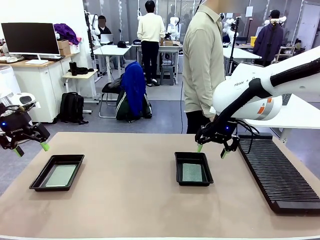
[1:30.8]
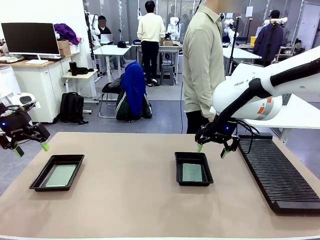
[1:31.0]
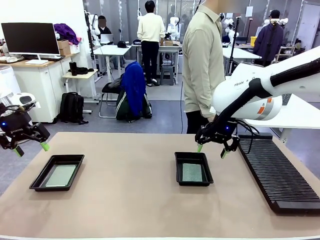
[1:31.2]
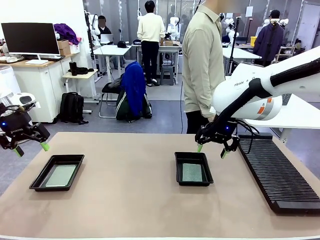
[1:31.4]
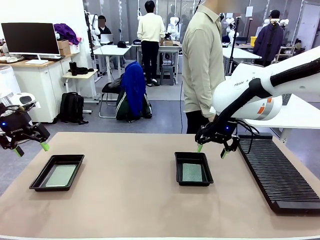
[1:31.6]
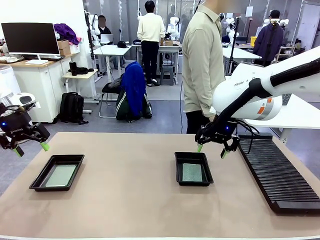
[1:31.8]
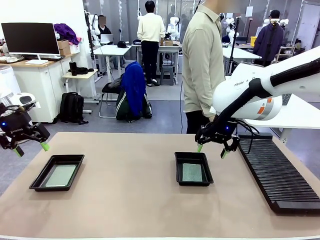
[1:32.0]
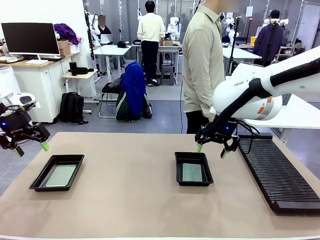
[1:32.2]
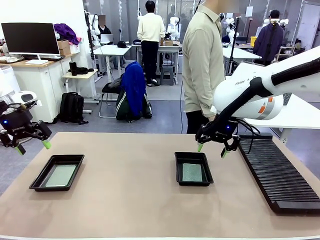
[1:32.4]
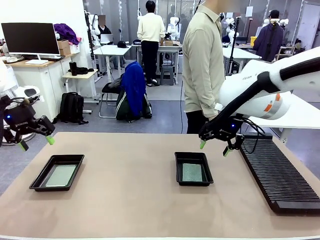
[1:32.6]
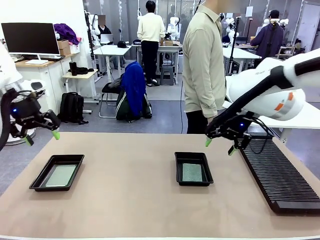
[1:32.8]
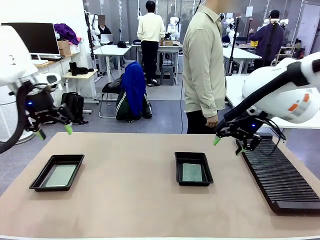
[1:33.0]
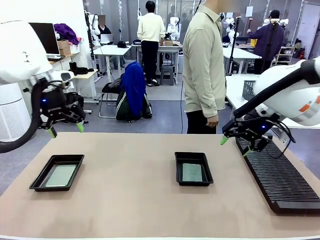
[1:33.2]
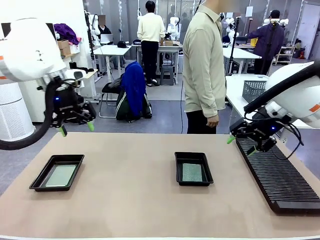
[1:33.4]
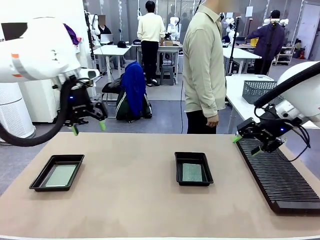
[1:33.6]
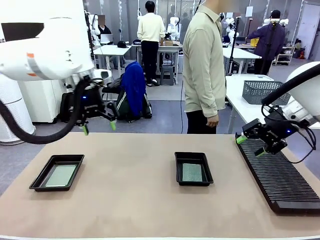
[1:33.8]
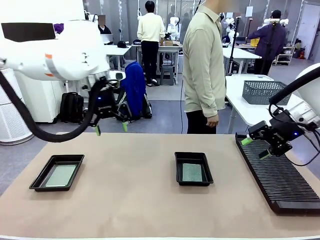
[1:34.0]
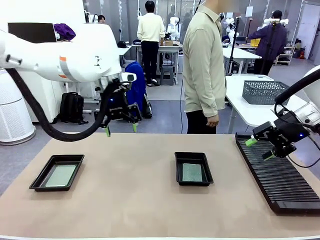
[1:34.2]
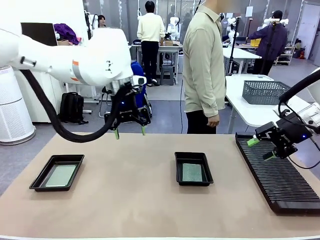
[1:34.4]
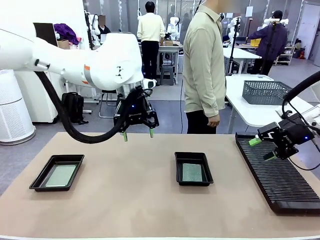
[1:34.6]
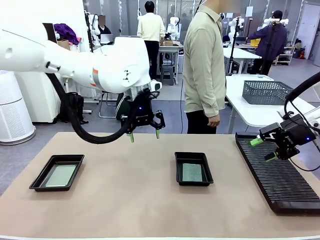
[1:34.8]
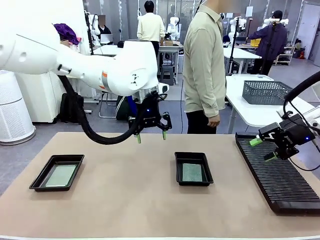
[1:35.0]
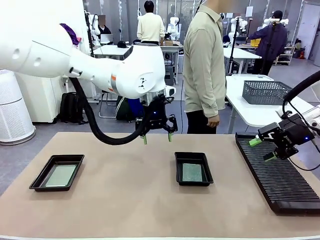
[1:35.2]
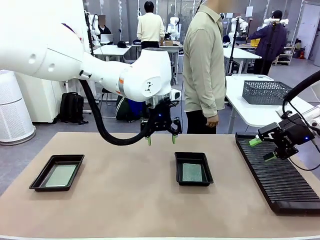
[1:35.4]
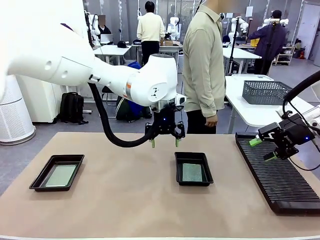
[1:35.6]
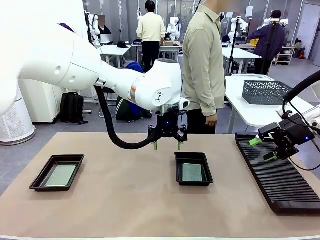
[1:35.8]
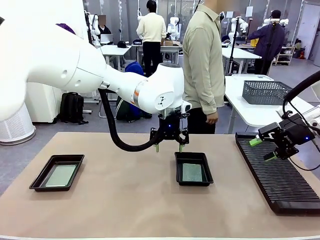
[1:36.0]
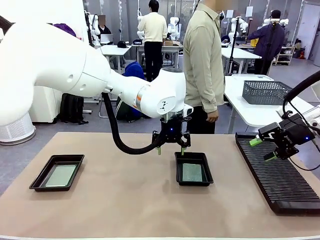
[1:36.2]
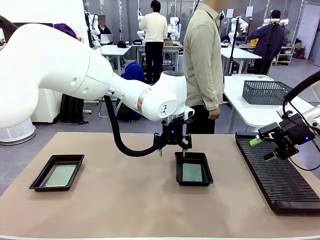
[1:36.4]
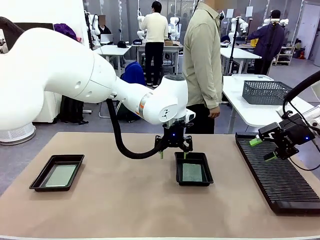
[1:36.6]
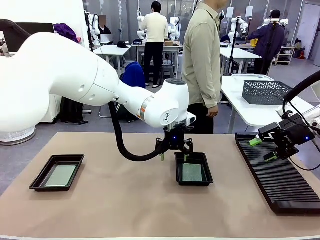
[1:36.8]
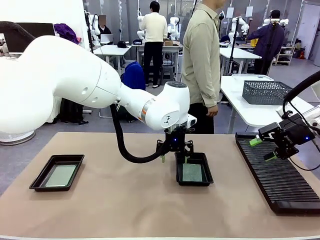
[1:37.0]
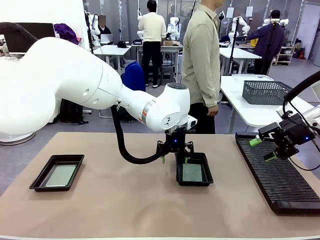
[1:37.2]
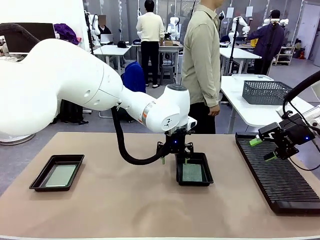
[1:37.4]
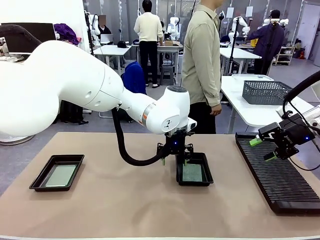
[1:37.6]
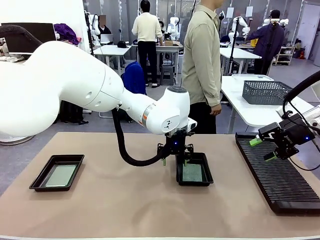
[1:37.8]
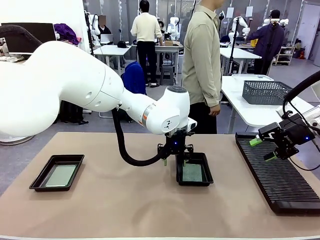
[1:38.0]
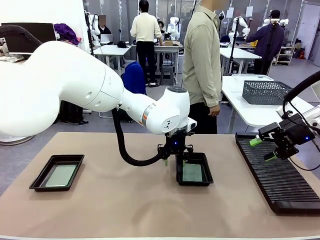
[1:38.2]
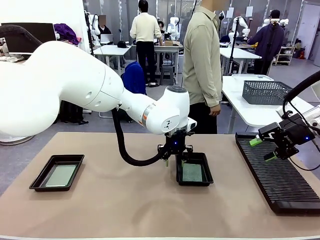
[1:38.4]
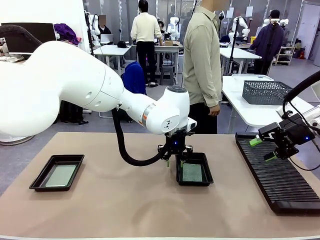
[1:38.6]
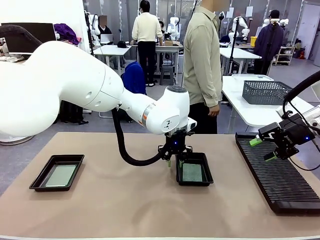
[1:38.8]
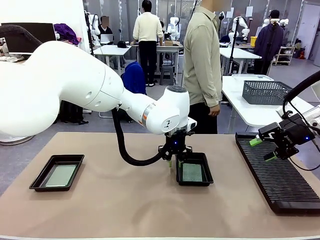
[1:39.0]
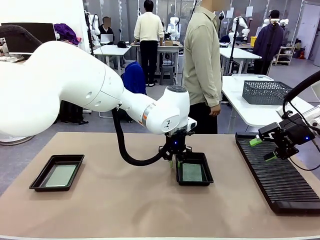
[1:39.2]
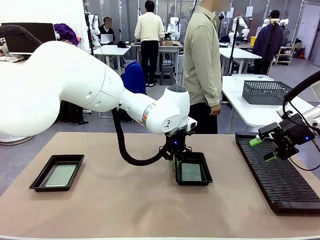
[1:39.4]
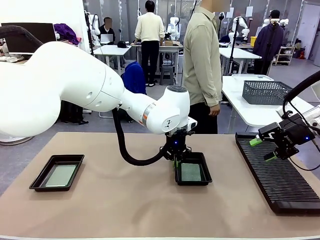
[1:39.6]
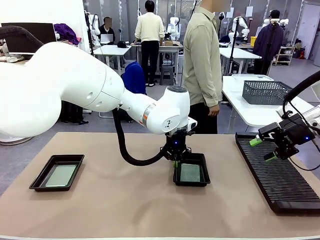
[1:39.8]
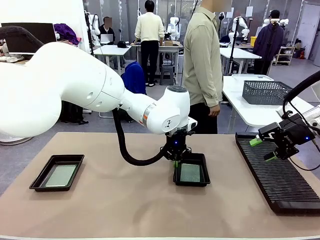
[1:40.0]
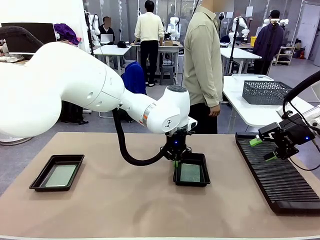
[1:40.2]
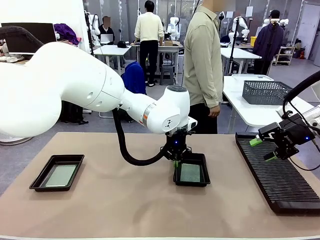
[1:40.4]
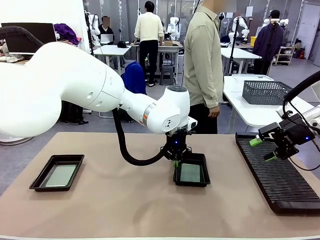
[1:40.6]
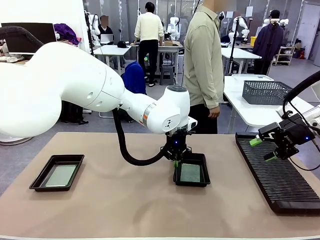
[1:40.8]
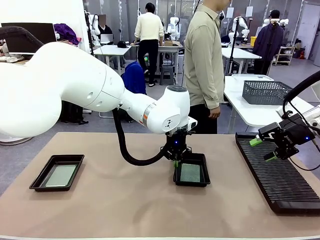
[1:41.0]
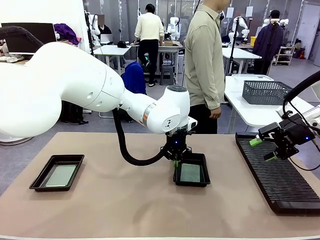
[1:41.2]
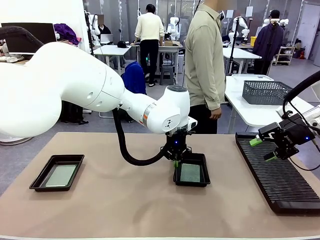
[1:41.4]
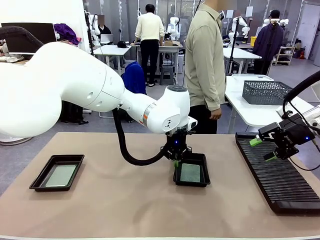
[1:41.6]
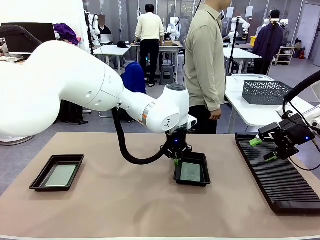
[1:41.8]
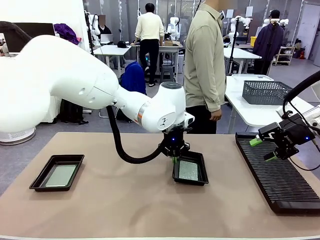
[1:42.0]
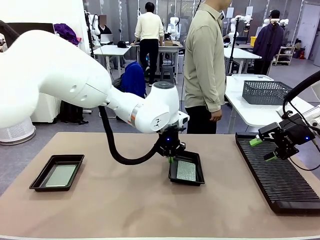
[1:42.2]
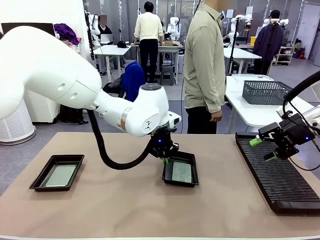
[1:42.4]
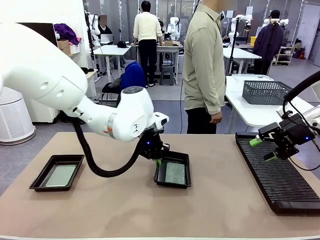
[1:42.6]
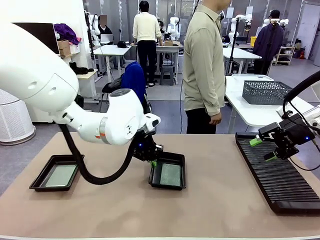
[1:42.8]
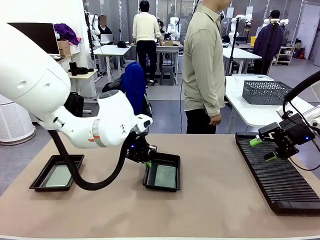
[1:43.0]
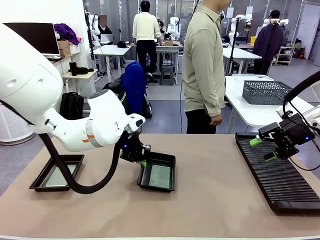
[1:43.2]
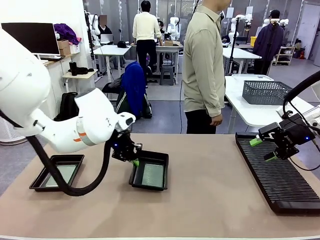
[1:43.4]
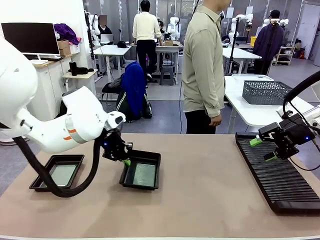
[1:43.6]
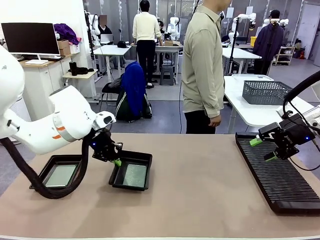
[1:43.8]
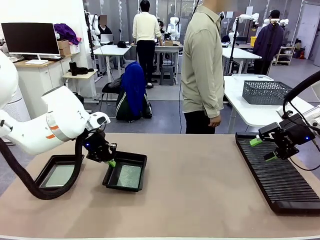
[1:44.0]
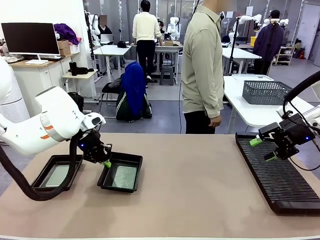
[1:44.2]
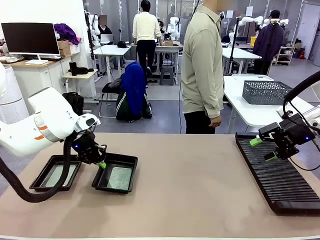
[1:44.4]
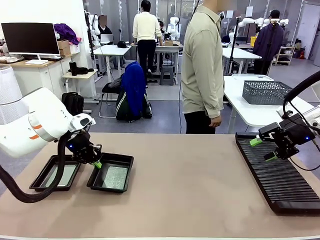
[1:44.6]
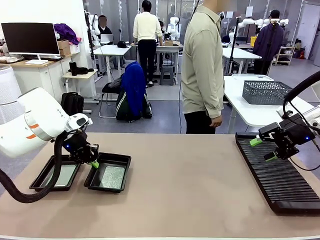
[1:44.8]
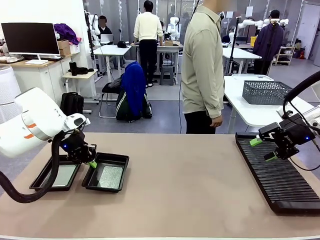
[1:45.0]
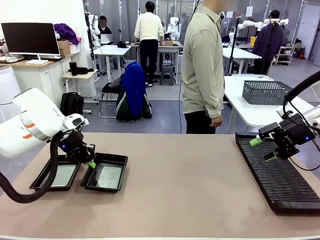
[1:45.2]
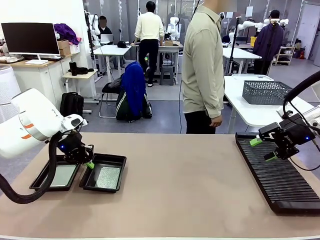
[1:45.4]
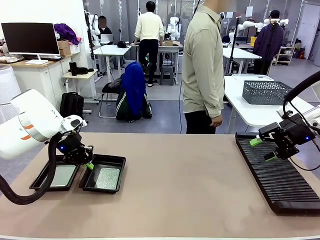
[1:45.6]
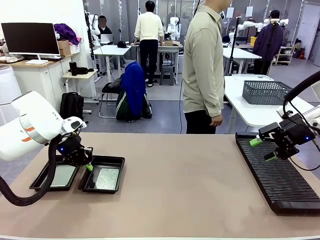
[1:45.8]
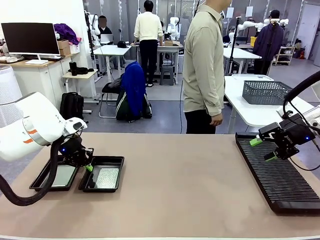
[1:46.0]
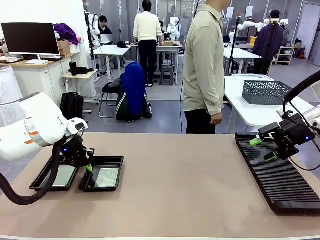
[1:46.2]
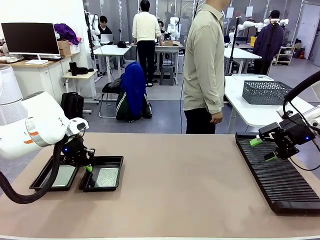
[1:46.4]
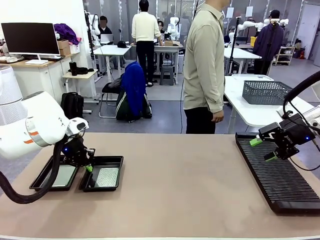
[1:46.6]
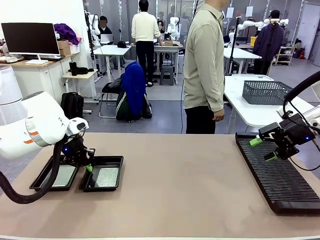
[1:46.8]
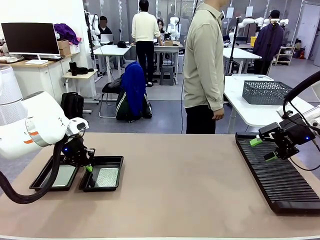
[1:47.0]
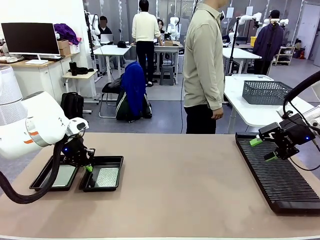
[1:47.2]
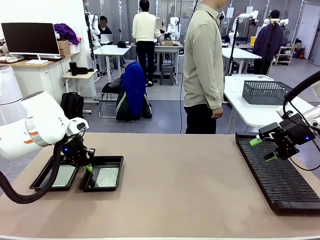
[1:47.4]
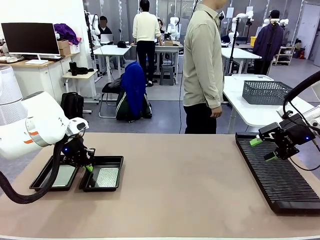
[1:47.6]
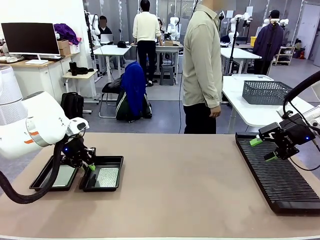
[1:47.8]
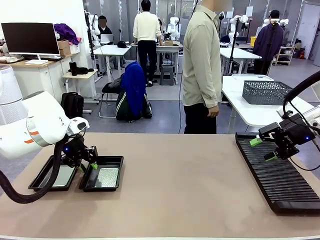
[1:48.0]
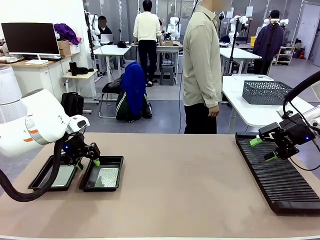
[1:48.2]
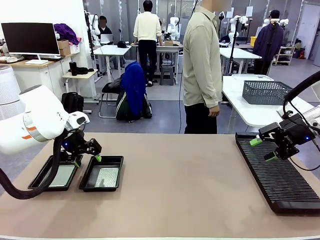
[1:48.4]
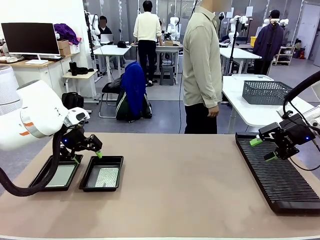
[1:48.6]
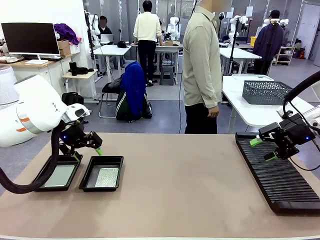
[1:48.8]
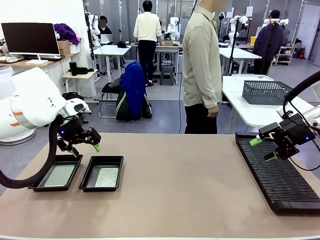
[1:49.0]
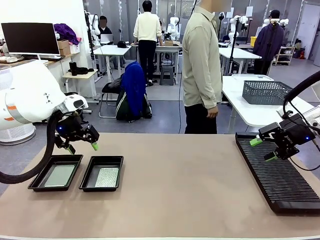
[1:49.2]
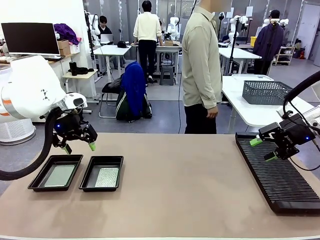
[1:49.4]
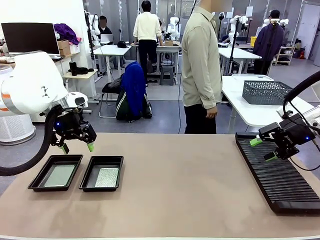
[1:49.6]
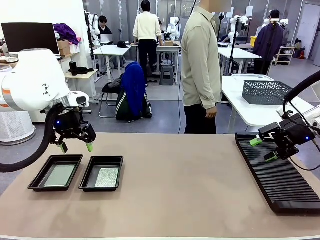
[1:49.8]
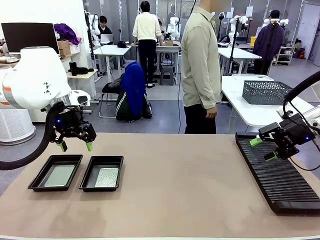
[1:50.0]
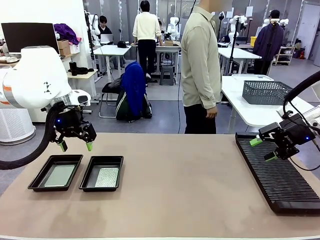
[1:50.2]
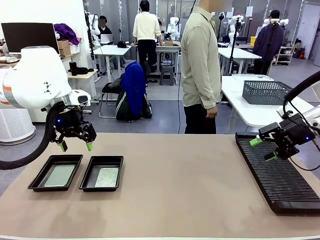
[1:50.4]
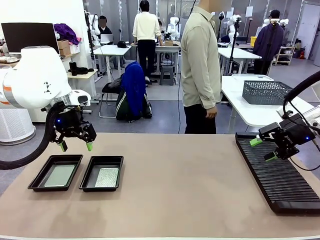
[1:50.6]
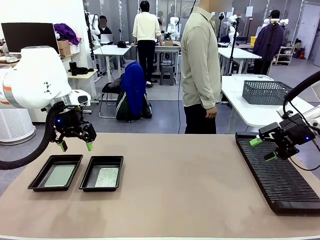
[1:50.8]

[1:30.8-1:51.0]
Task: Inspect and transfer BCBs to ESD trays.
Robot: Pick up the ESD tray and place it on the left side of the table.
